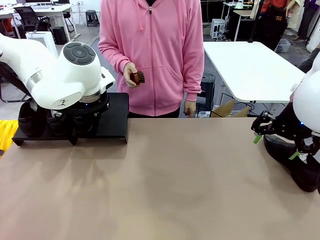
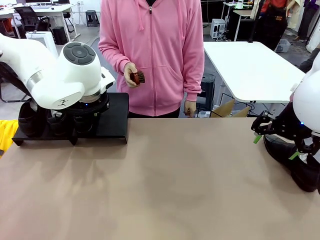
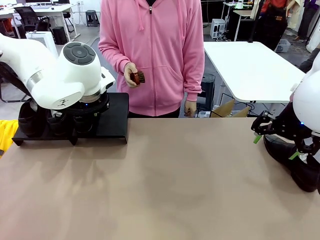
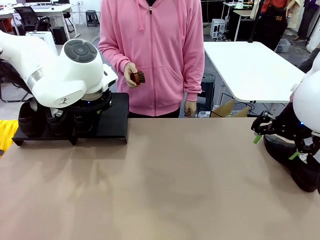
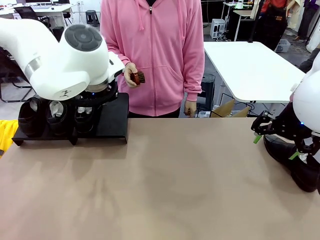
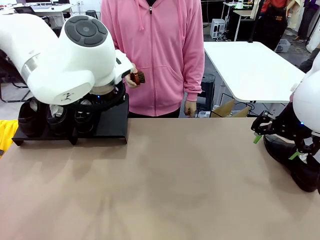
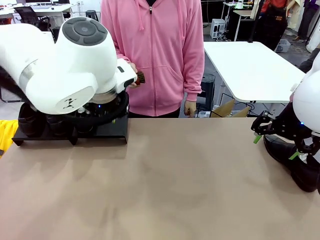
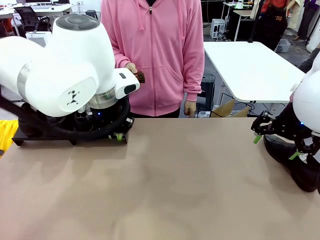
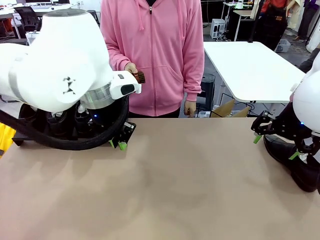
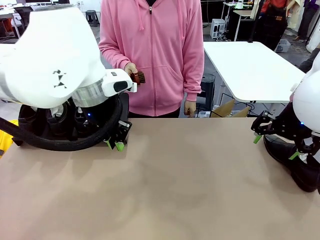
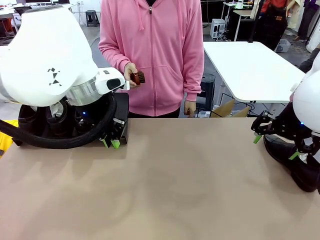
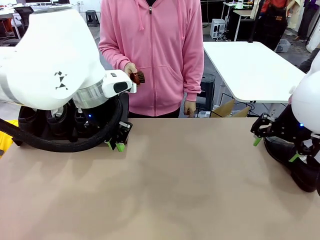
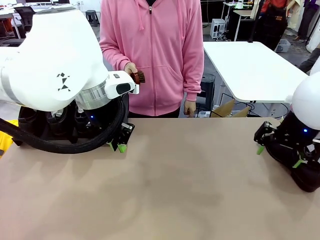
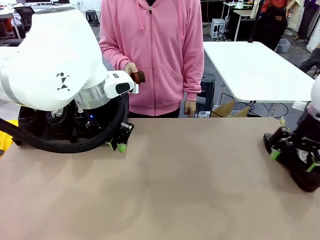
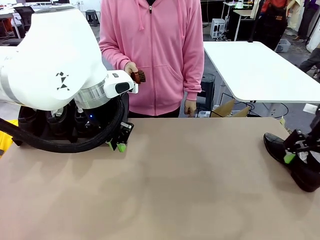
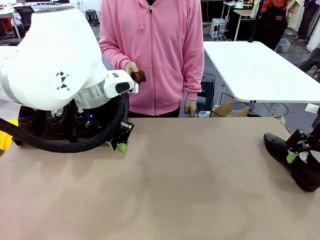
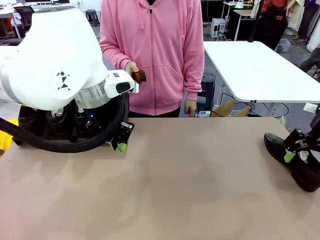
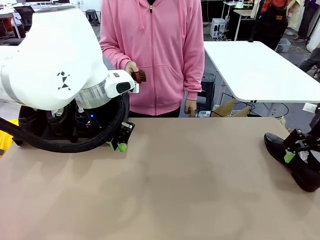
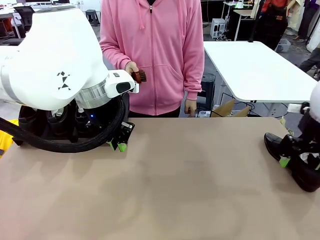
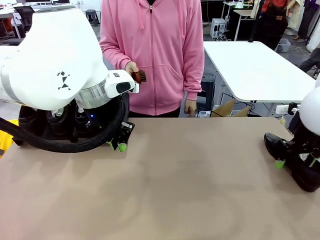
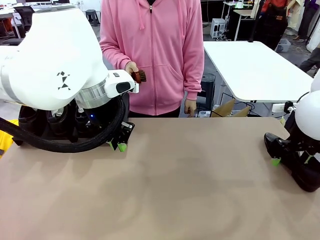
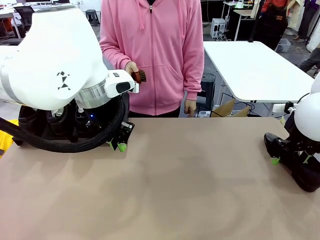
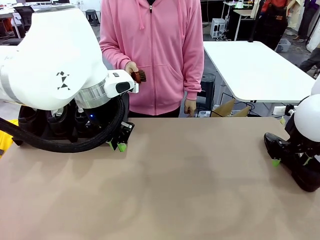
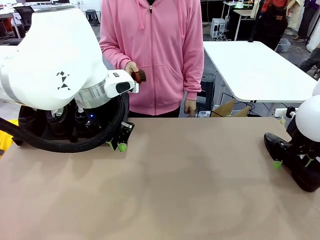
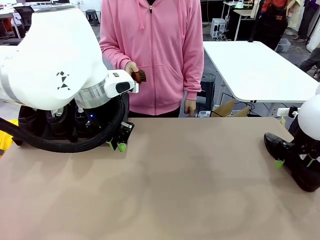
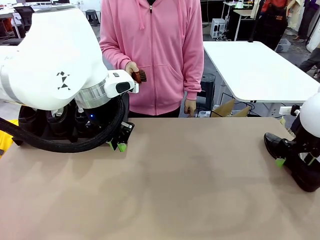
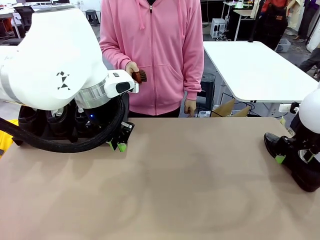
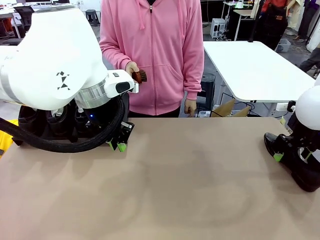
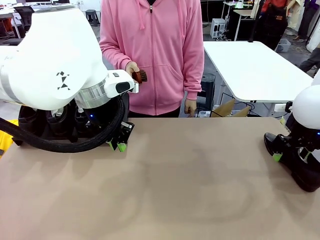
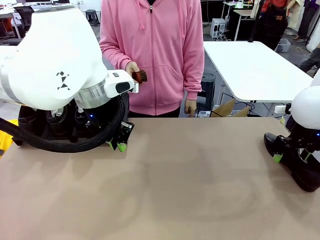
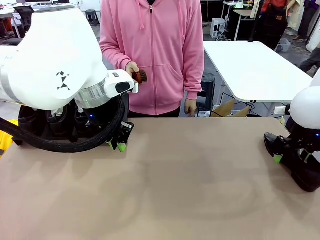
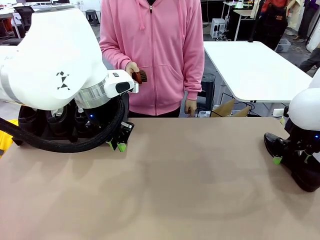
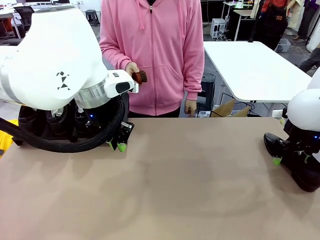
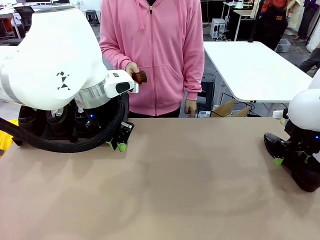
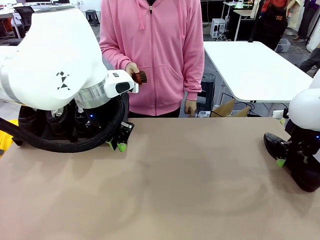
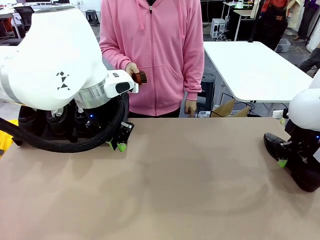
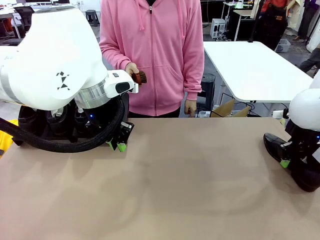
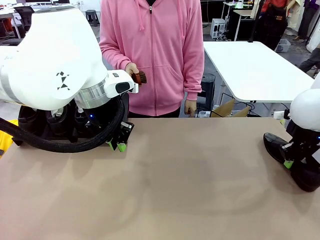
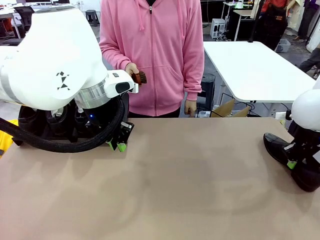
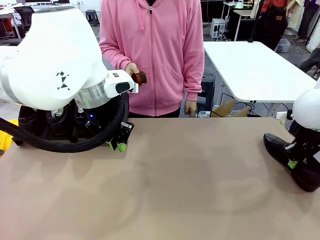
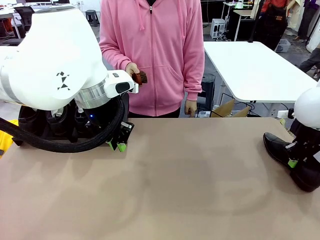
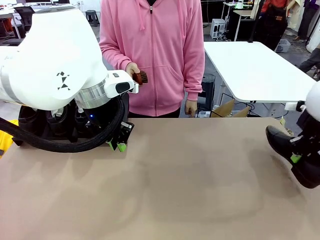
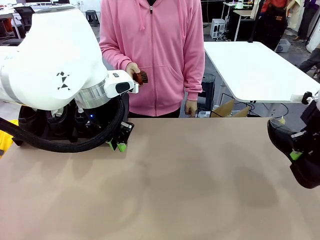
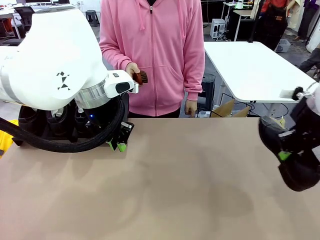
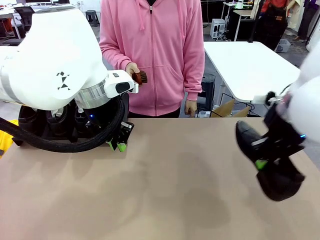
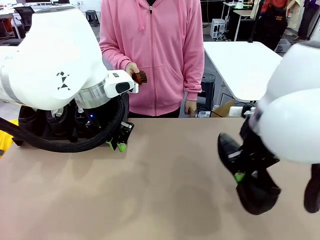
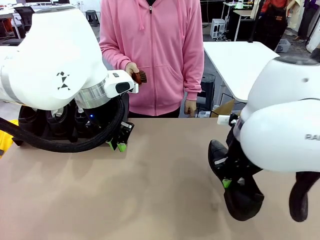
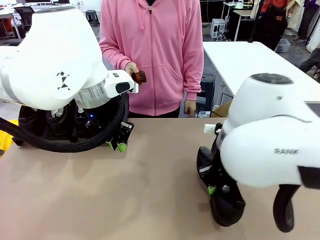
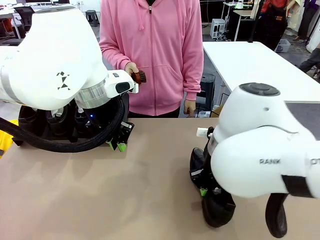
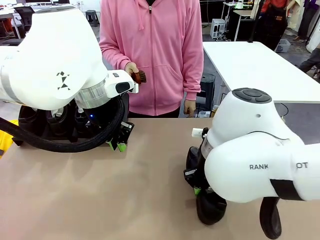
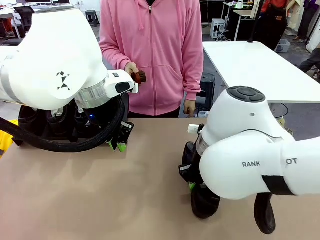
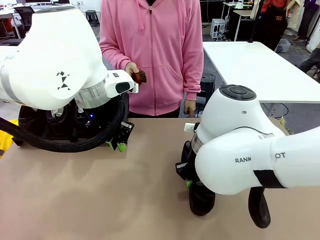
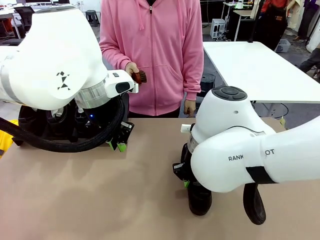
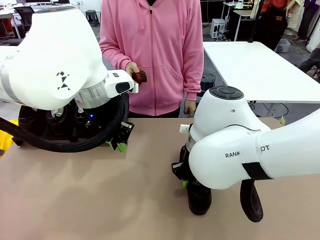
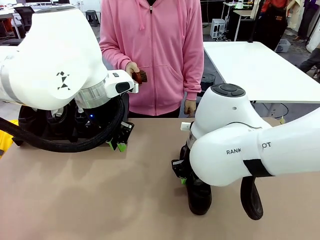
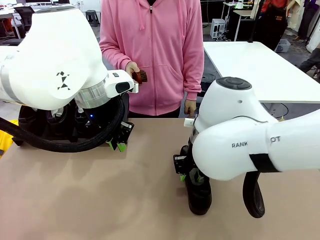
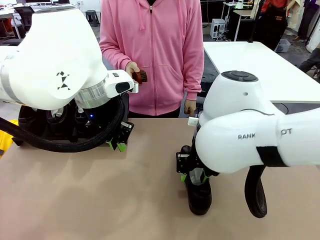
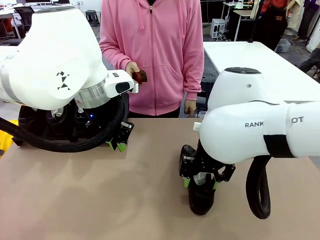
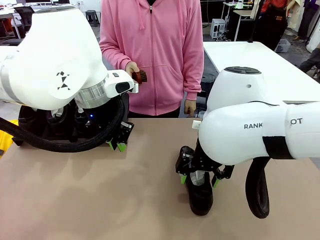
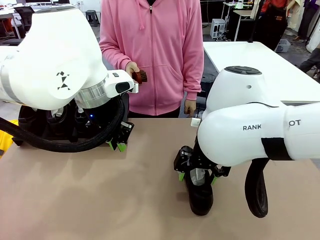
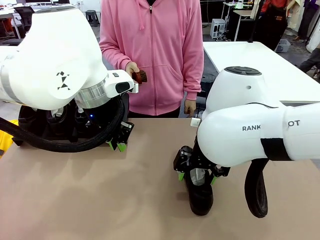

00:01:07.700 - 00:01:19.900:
Task: Organize the shoes by placing them on the stand.
Robot: Pick up one Shoe and place it in the middle of the table.

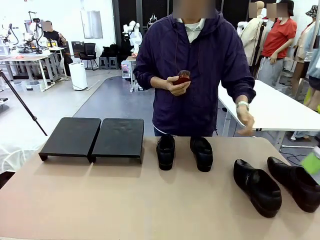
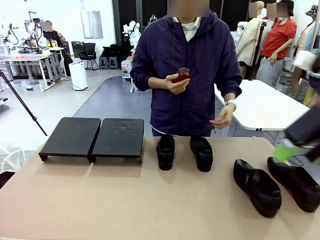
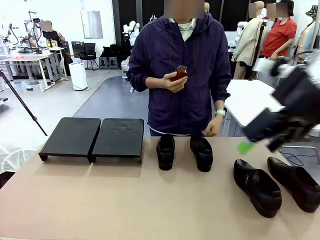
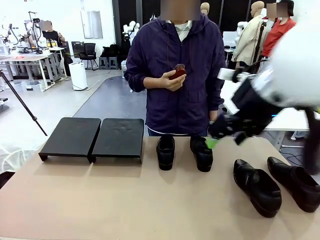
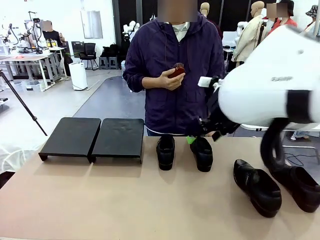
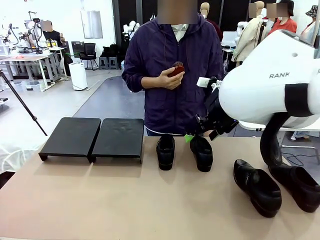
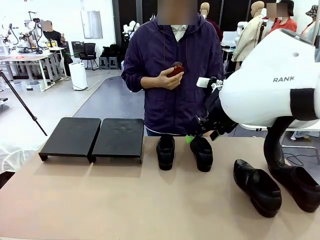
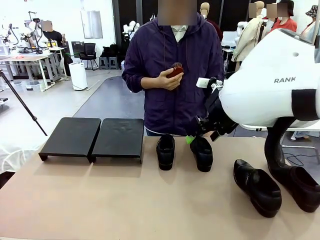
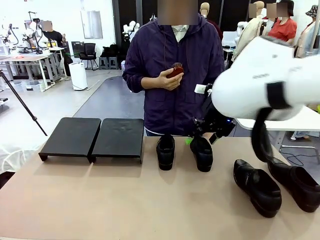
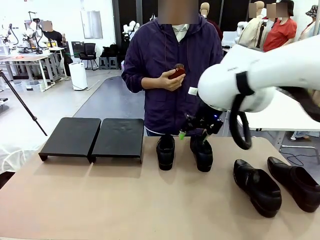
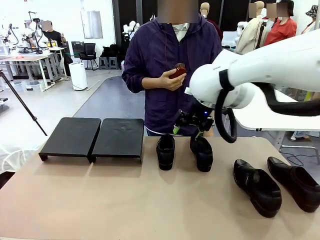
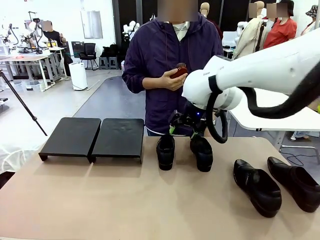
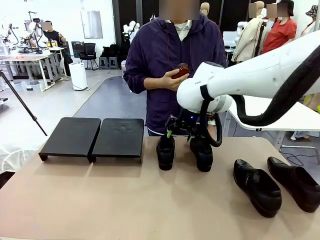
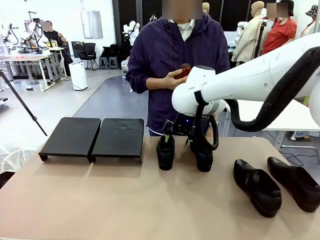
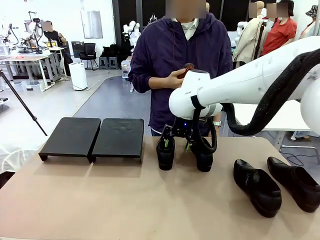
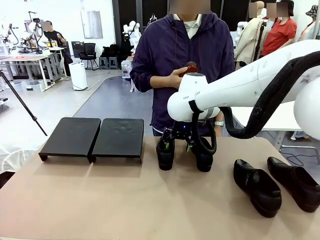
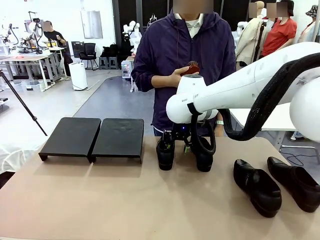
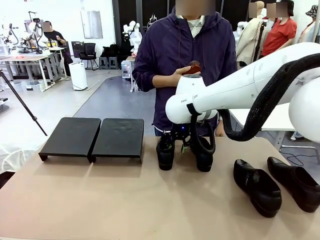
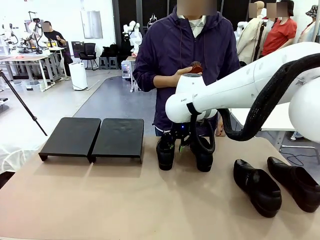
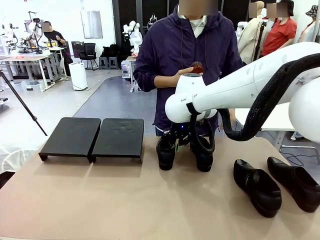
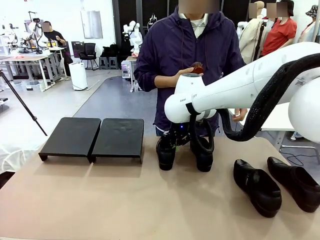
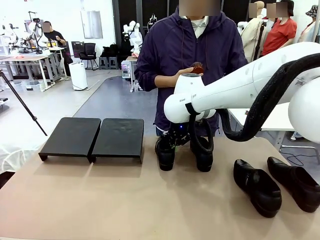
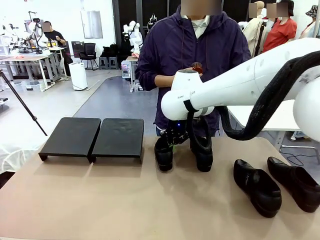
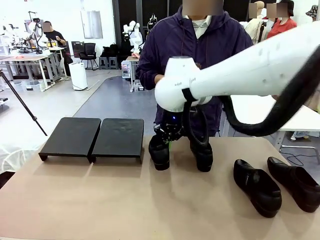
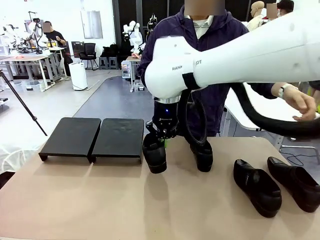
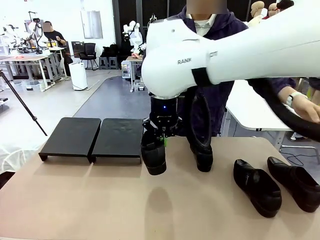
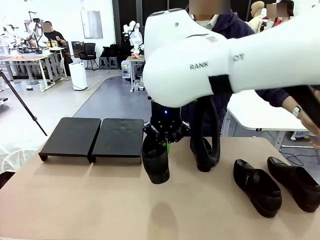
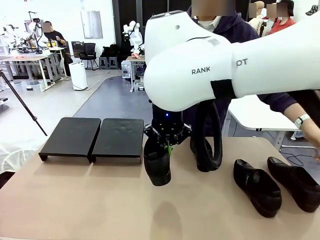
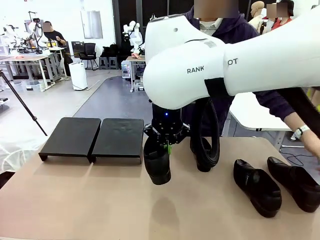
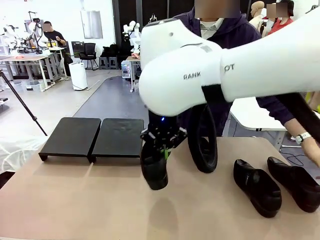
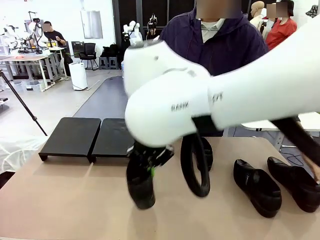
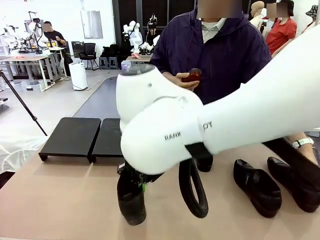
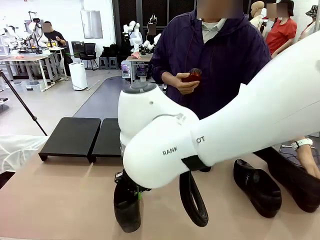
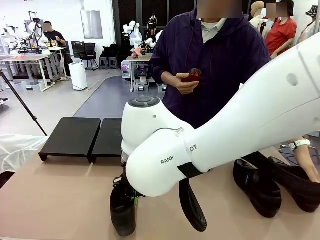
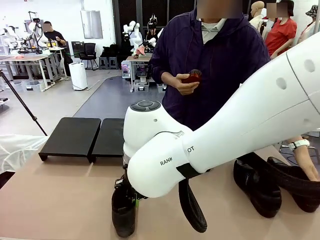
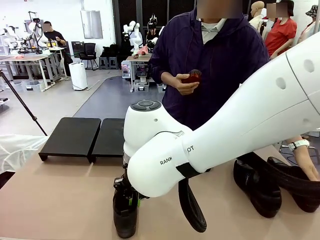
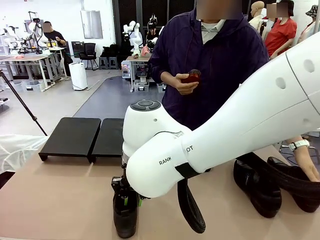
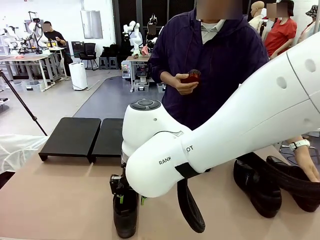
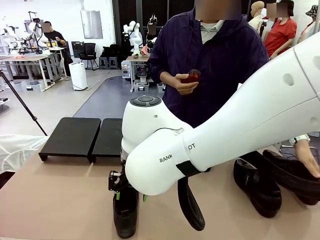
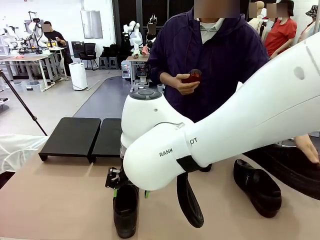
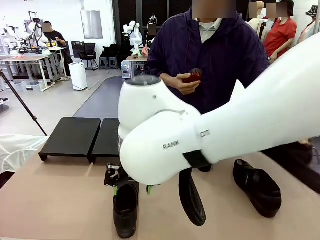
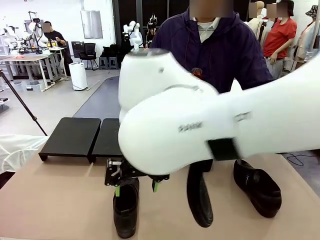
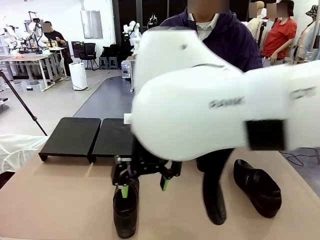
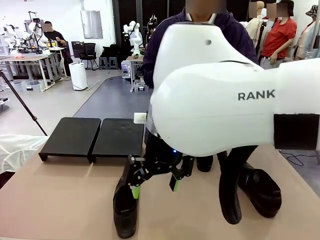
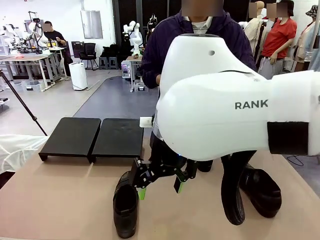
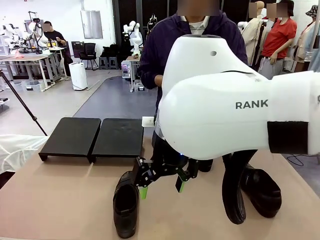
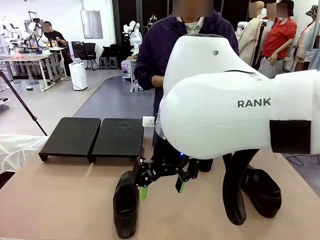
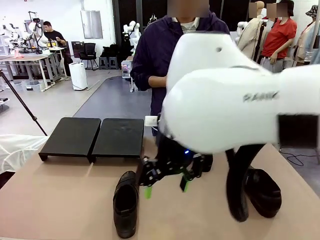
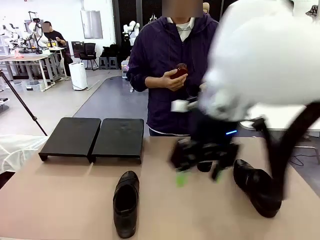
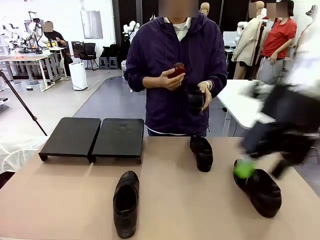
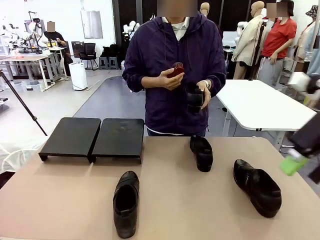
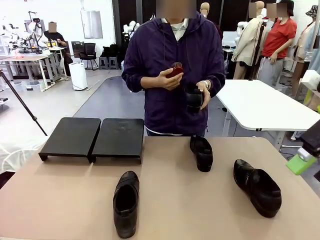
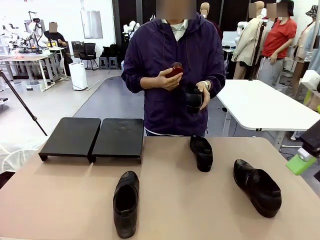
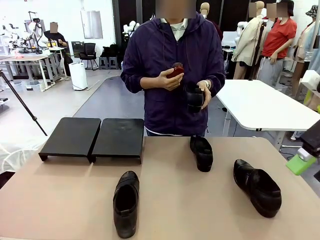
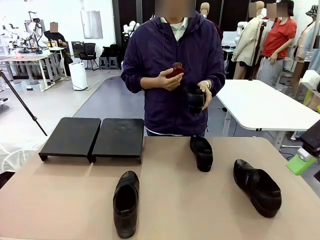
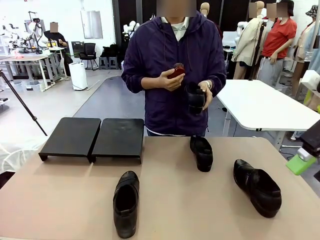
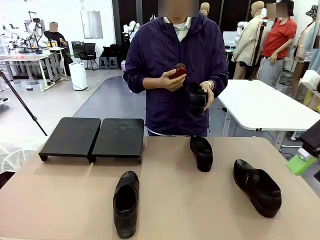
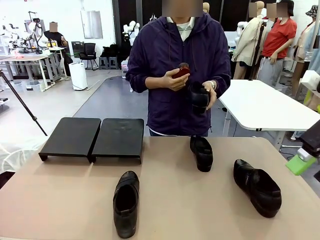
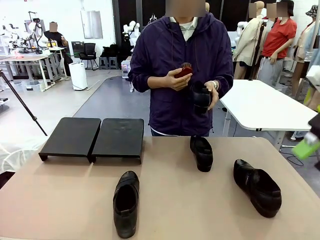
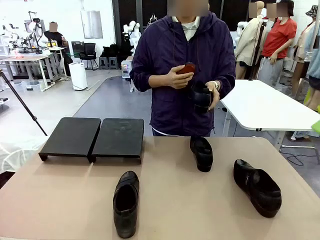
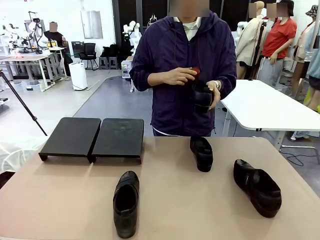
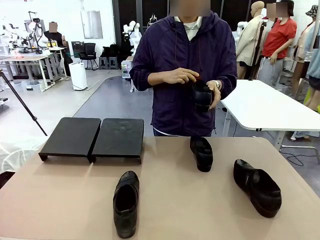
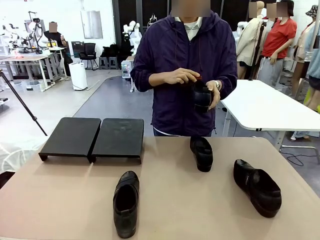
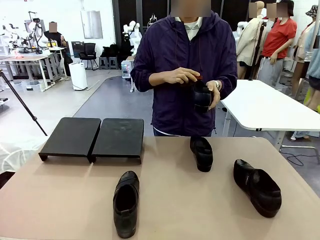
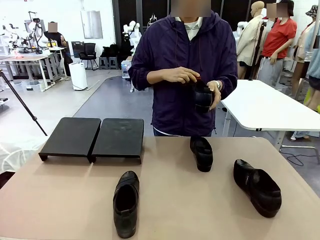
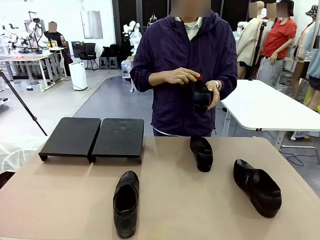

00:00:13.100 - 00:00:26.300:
Task: Organize the shoes by placing them on the stand.
Robot: Pick up one Shoe and place it in the middle of the table.
Person: Pick one Shoe on Robot's table.
